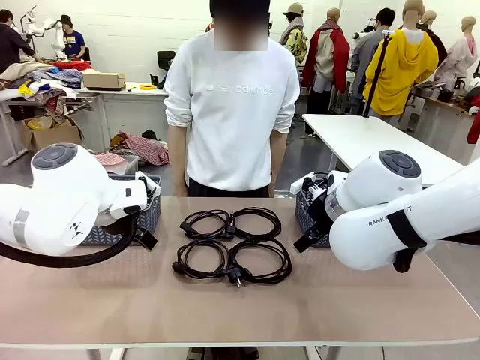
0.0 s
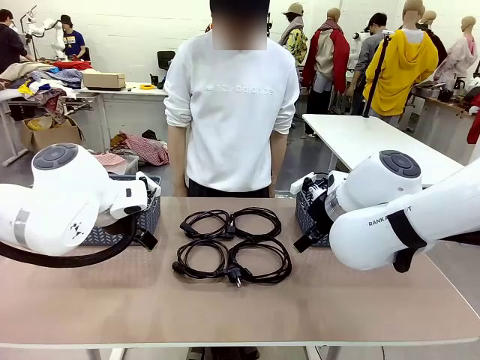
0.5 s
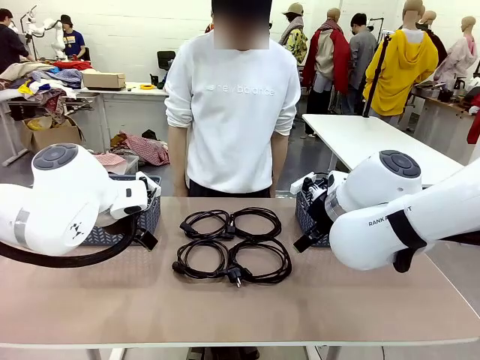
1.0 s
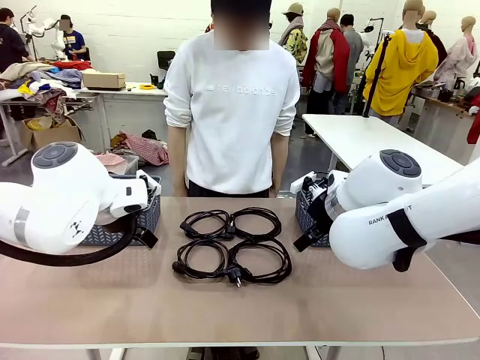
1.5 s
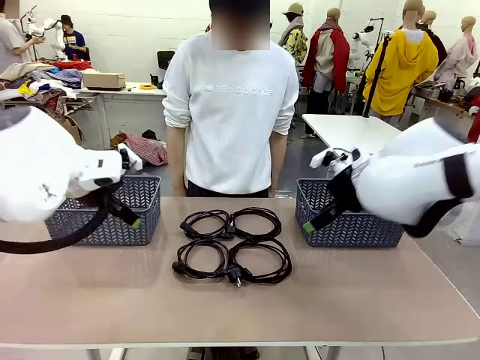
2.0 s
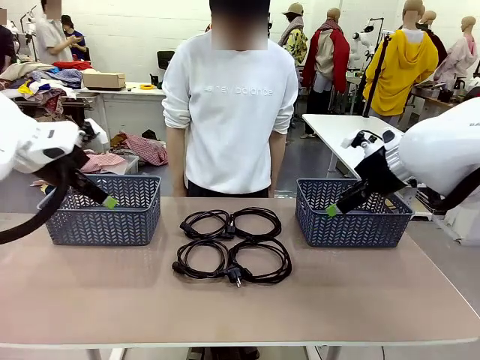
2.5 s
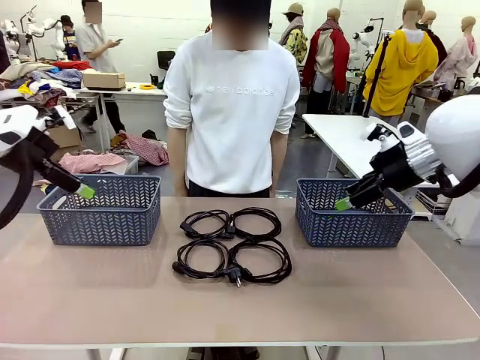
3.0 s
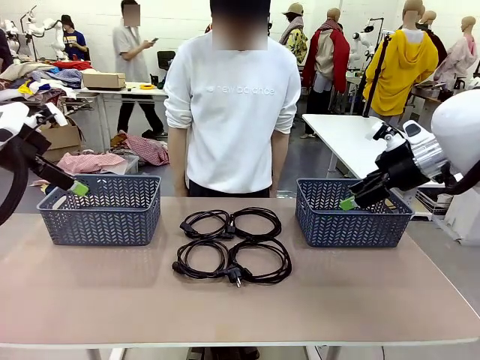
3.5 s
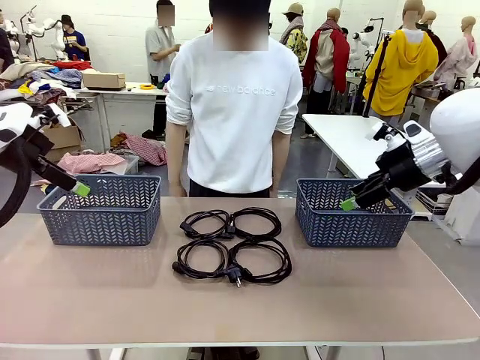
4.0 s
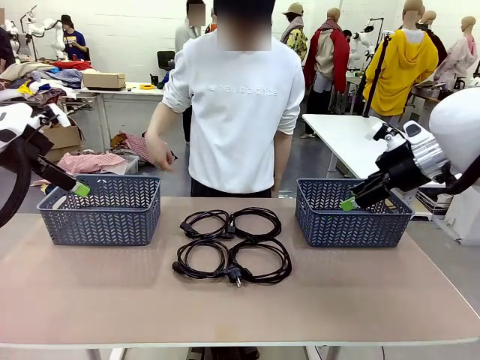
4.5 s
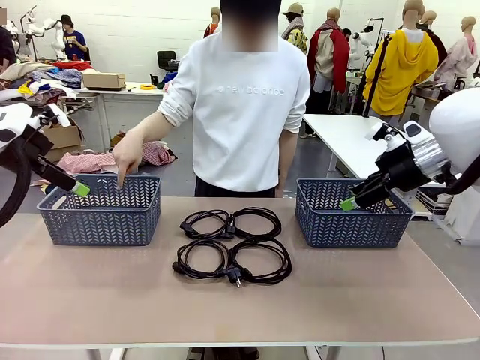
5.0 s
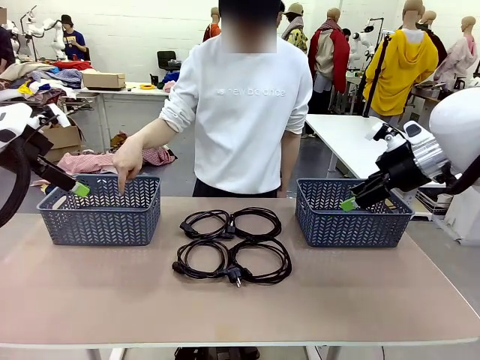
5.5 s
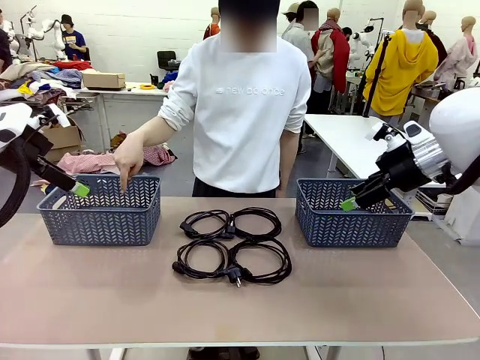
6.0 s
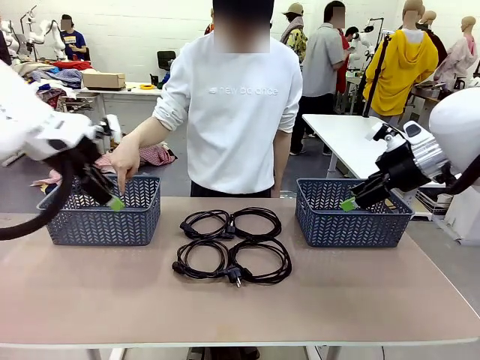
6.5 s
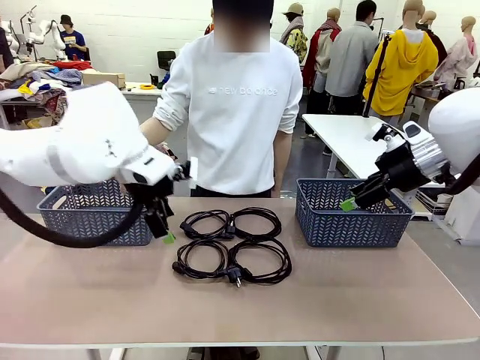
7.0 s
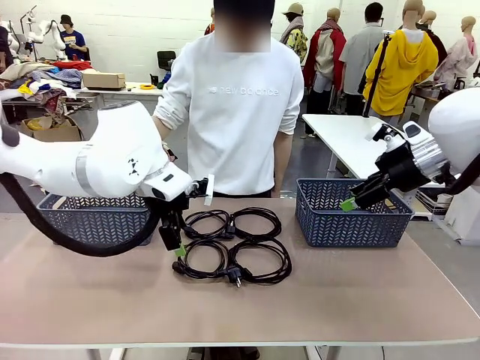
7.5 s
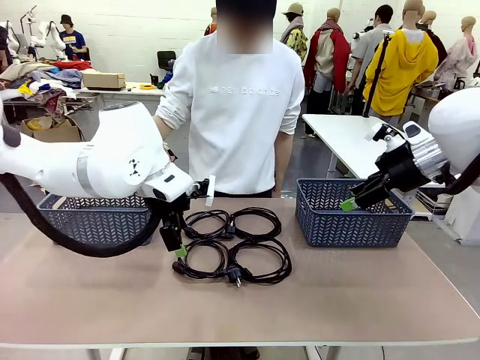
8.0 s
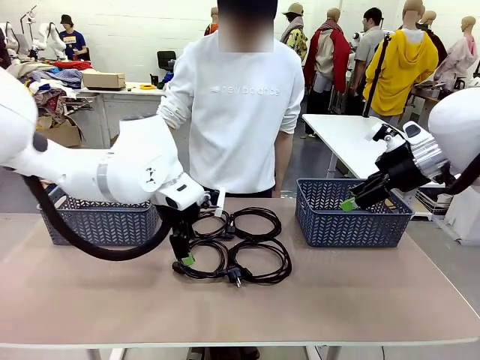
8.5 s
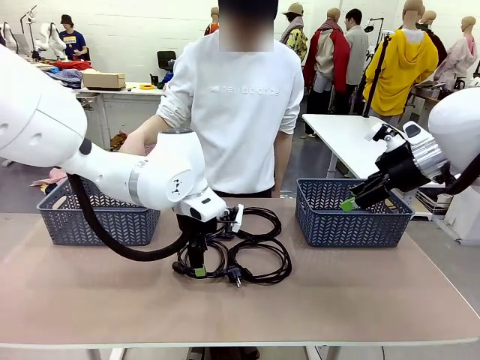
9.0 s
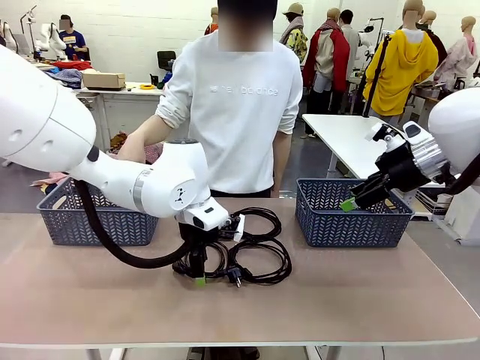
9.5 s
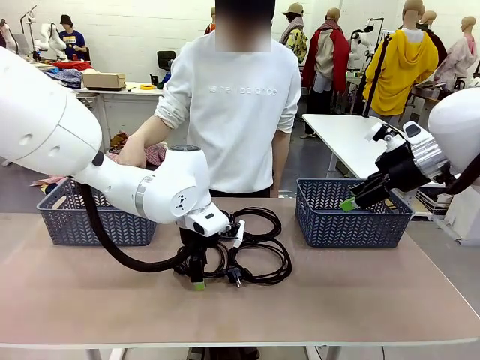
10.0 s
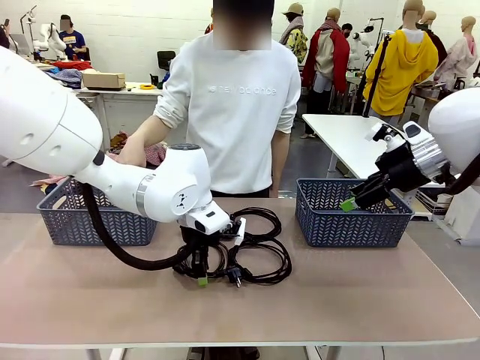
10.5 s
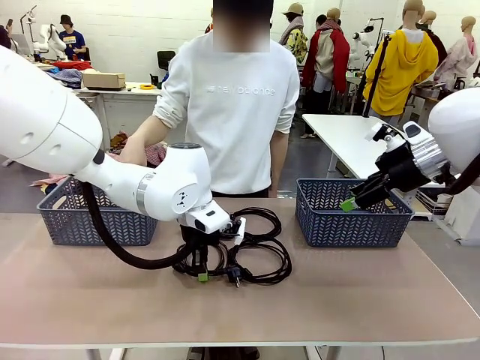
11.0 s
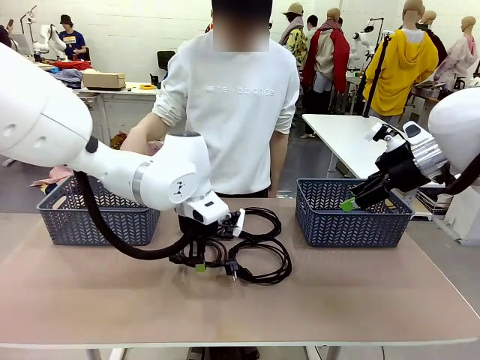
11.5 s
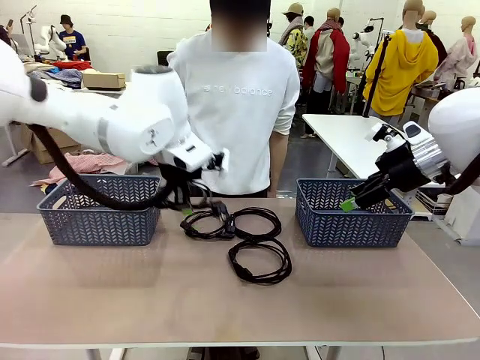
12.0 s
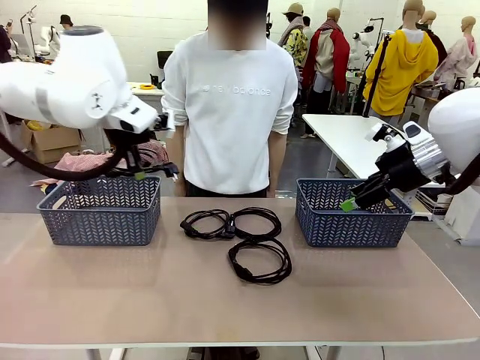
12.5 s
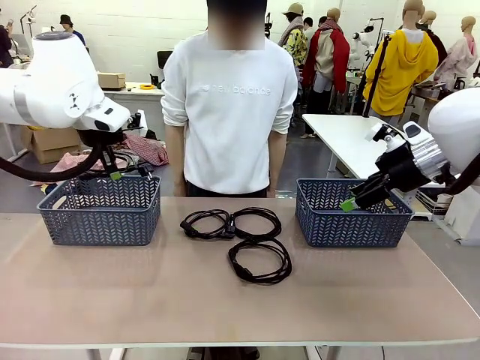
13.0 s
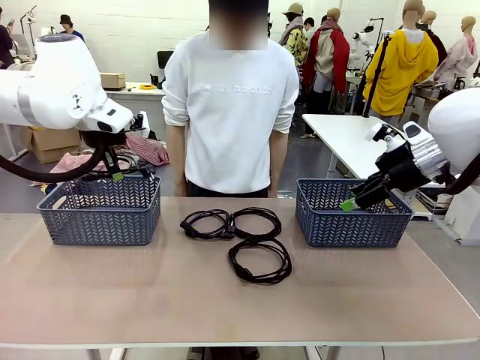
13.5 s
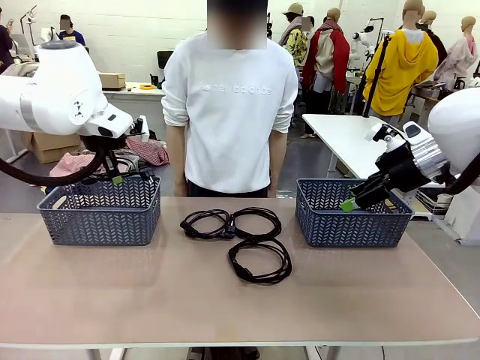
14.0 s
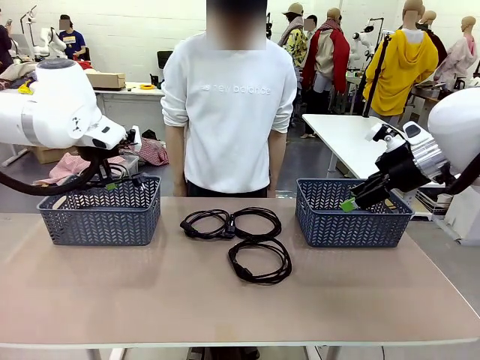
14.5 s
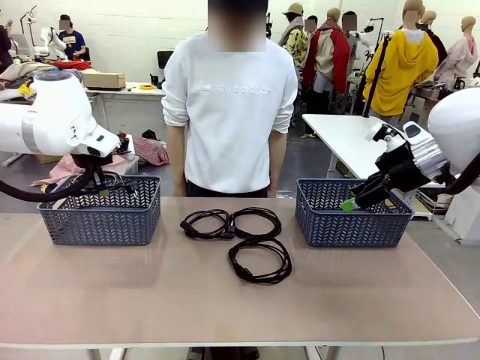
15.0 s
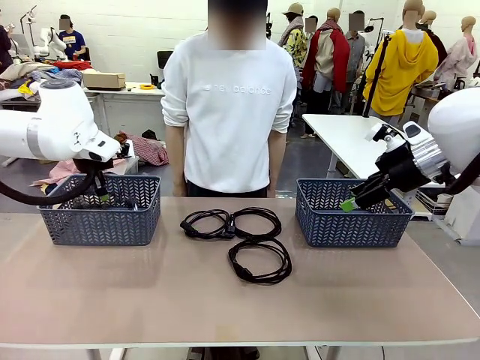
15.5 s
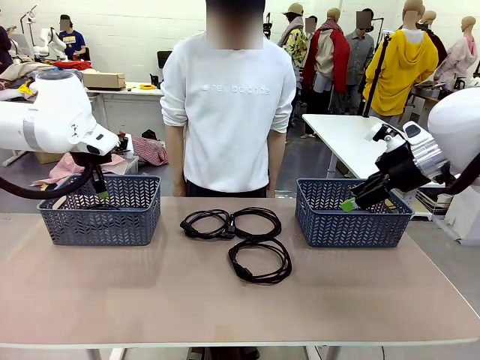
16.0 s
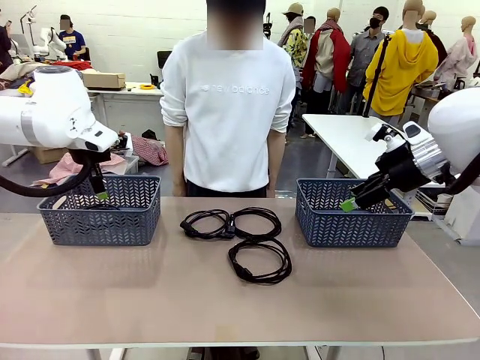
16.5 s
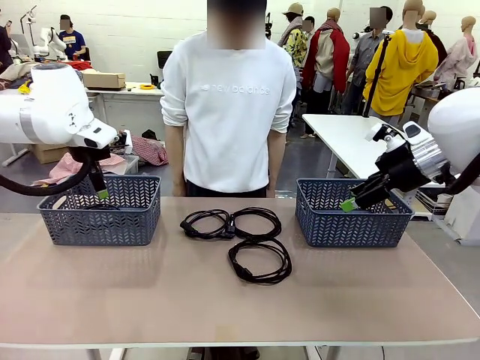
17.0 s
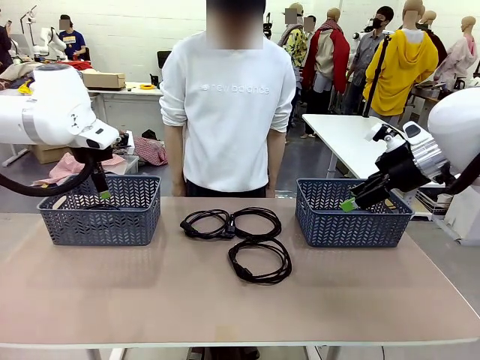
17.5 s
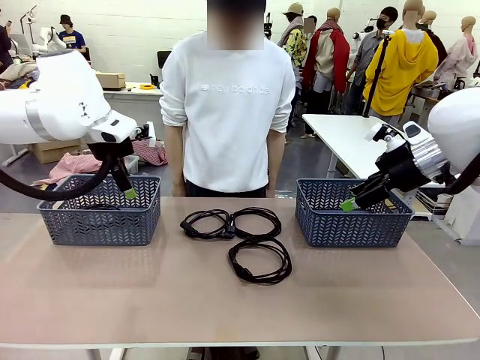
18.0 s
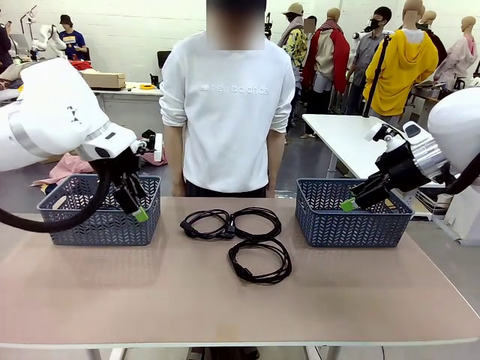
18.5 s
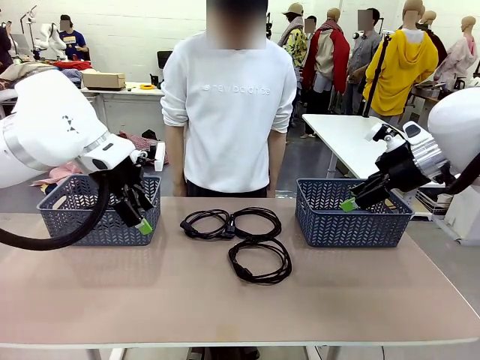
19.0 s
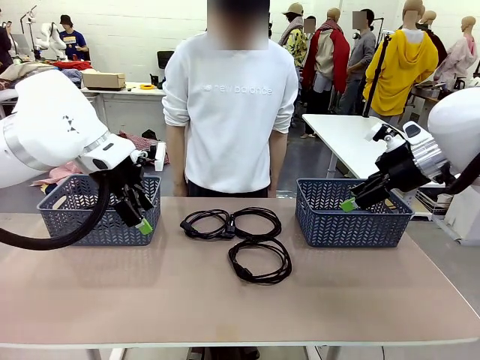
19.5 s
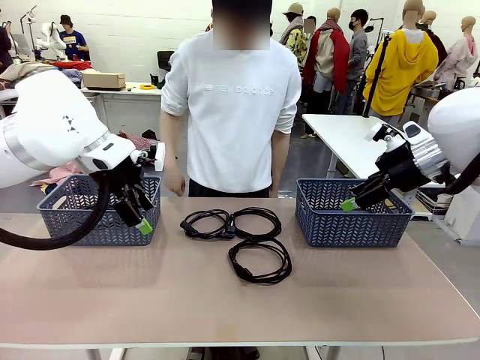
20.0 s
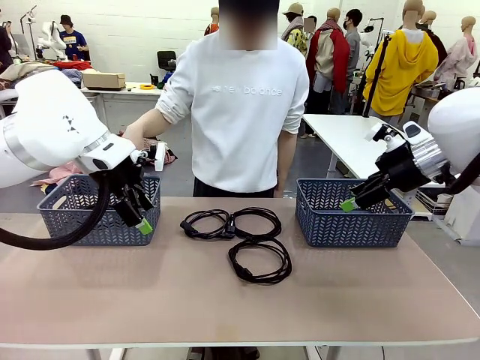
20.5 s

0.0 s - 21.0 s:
Task: Organize the cables according to human instructions.
Robot: Pick up a bundle of cables and place it in the basket indicated by the human.
